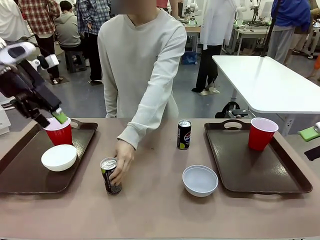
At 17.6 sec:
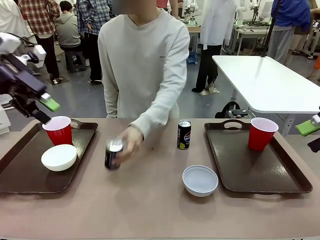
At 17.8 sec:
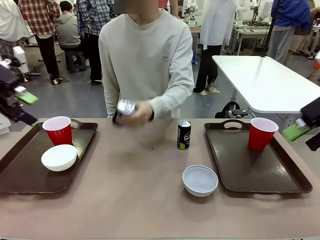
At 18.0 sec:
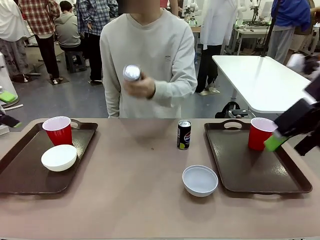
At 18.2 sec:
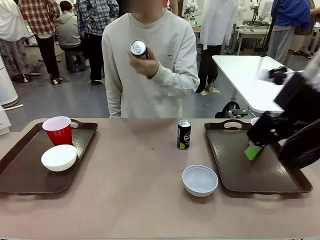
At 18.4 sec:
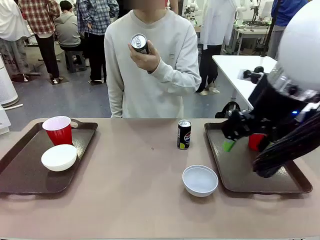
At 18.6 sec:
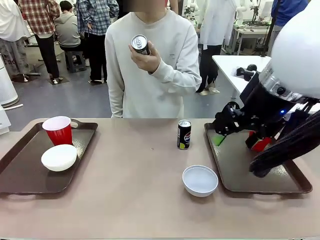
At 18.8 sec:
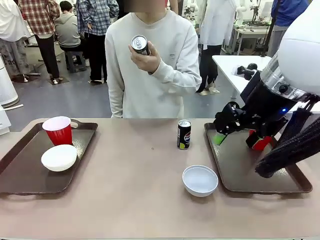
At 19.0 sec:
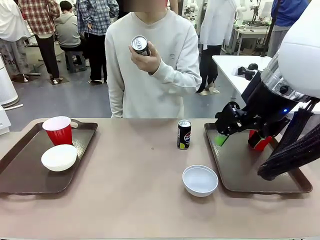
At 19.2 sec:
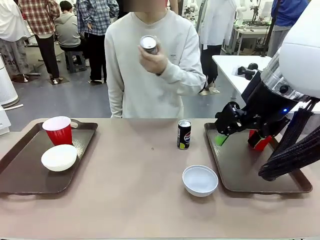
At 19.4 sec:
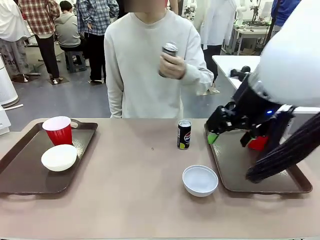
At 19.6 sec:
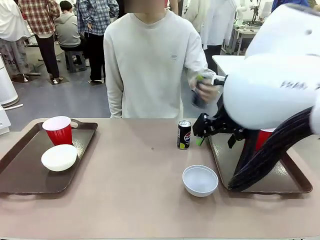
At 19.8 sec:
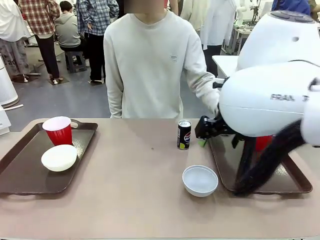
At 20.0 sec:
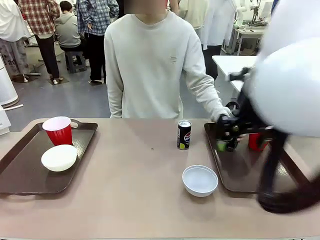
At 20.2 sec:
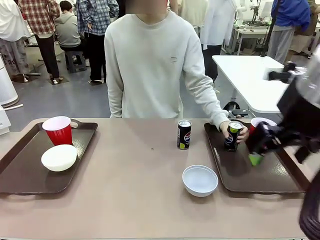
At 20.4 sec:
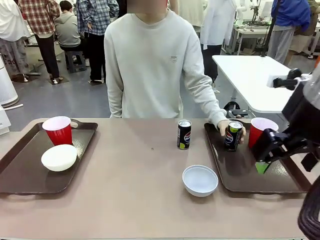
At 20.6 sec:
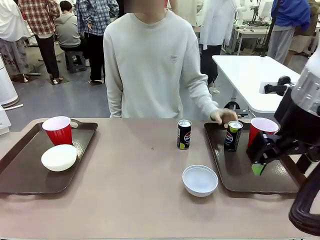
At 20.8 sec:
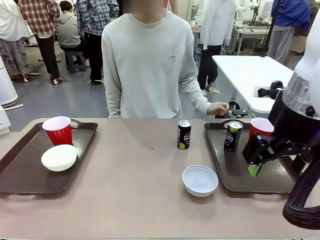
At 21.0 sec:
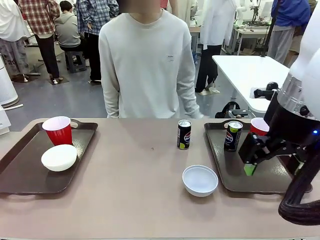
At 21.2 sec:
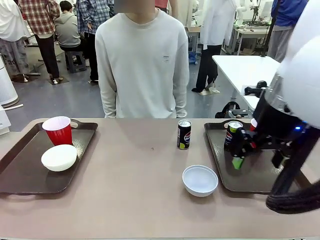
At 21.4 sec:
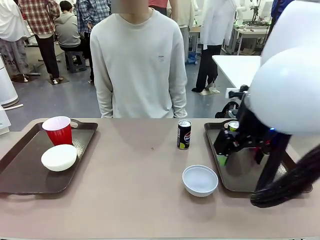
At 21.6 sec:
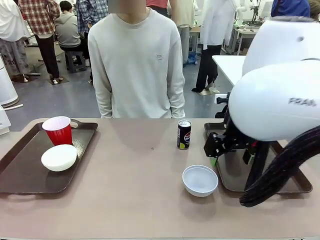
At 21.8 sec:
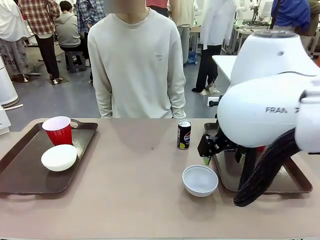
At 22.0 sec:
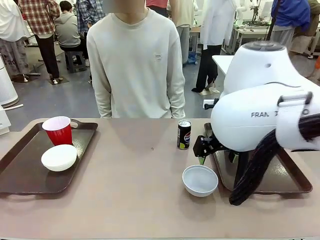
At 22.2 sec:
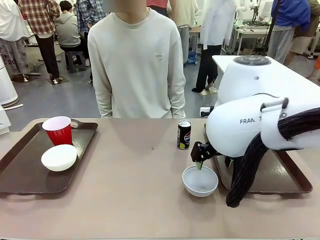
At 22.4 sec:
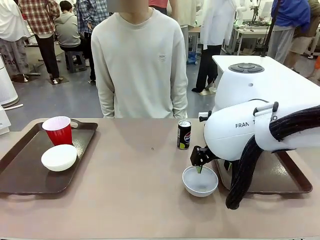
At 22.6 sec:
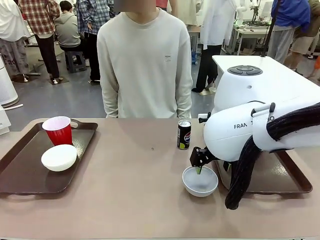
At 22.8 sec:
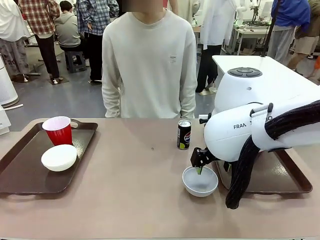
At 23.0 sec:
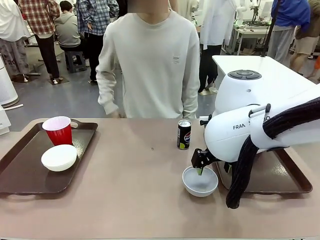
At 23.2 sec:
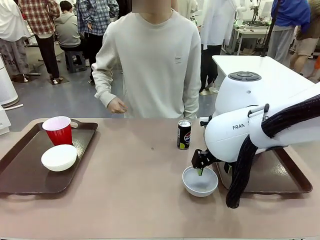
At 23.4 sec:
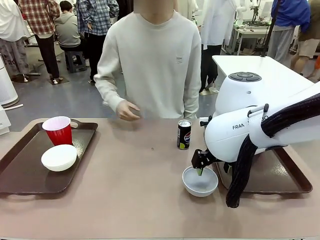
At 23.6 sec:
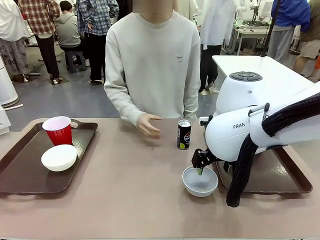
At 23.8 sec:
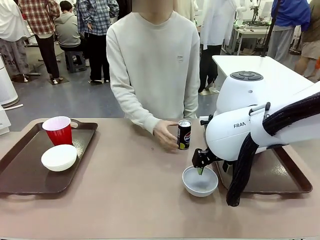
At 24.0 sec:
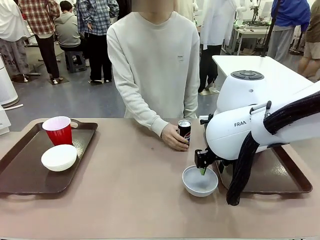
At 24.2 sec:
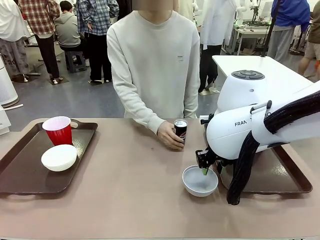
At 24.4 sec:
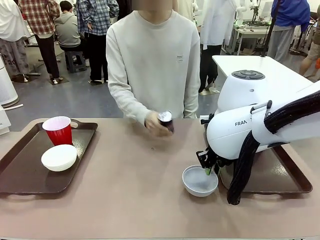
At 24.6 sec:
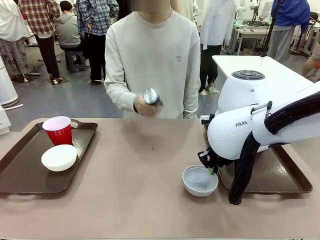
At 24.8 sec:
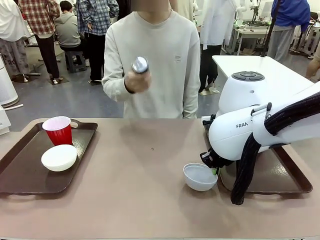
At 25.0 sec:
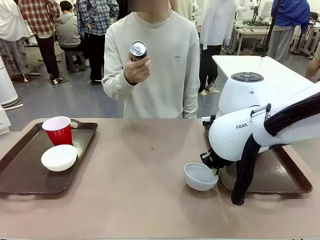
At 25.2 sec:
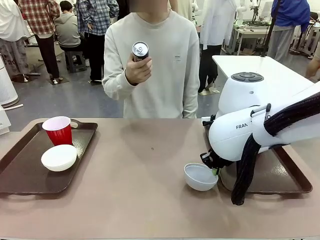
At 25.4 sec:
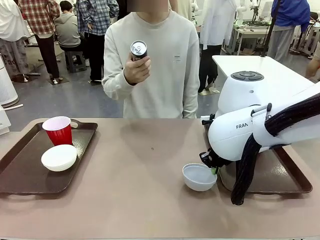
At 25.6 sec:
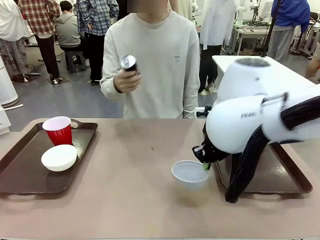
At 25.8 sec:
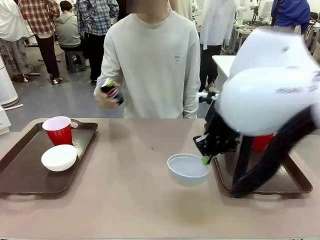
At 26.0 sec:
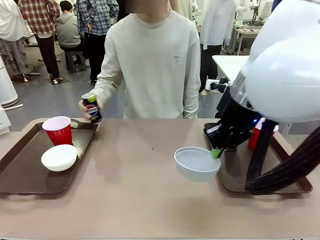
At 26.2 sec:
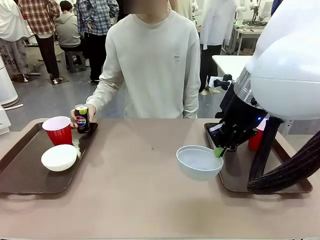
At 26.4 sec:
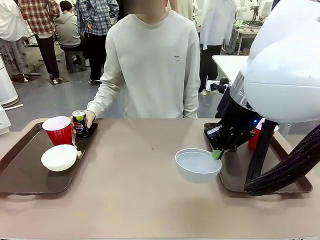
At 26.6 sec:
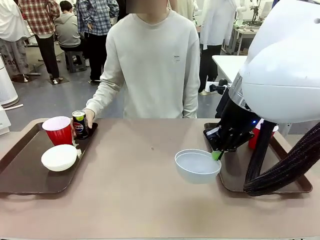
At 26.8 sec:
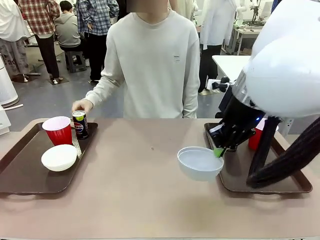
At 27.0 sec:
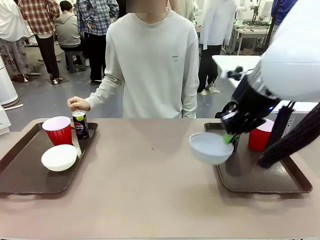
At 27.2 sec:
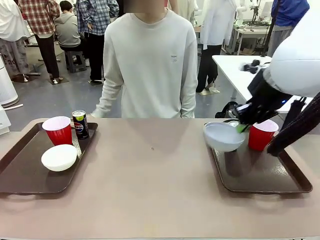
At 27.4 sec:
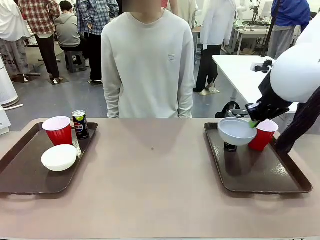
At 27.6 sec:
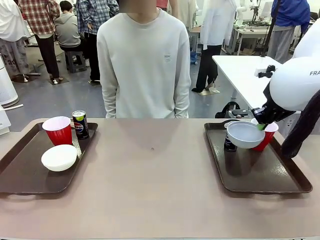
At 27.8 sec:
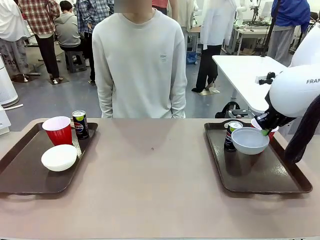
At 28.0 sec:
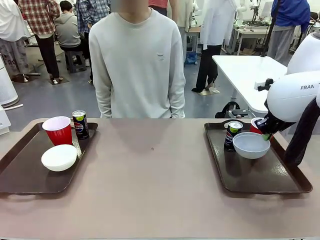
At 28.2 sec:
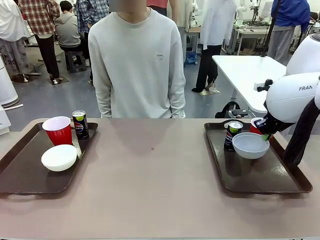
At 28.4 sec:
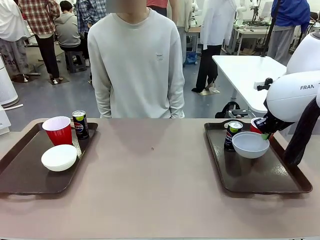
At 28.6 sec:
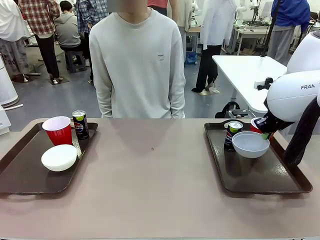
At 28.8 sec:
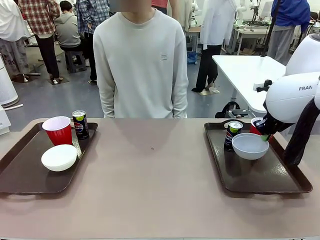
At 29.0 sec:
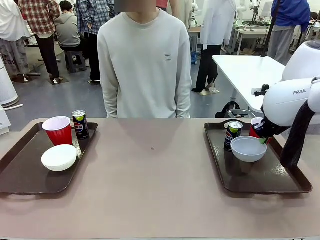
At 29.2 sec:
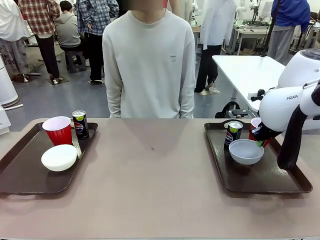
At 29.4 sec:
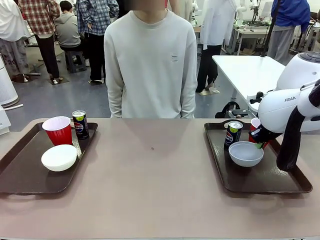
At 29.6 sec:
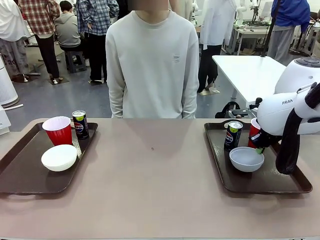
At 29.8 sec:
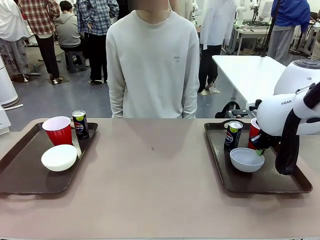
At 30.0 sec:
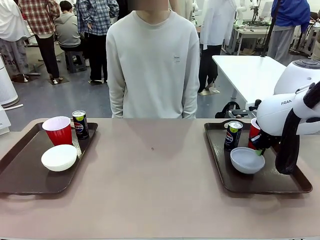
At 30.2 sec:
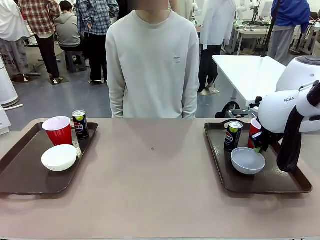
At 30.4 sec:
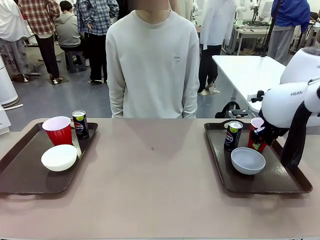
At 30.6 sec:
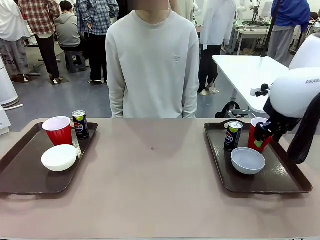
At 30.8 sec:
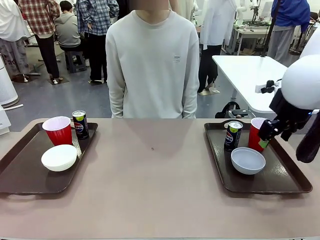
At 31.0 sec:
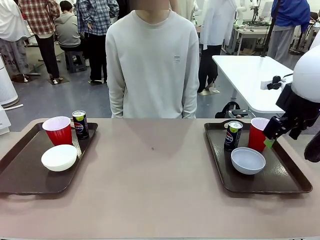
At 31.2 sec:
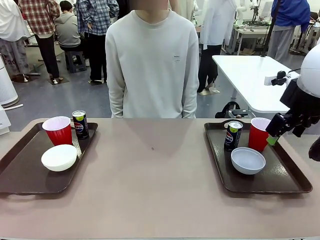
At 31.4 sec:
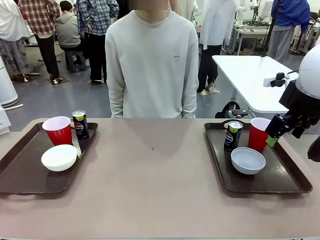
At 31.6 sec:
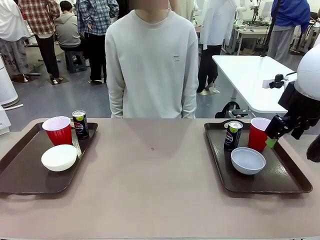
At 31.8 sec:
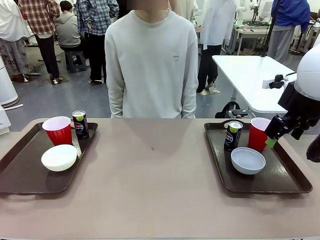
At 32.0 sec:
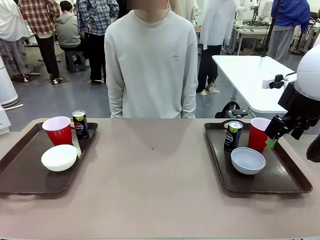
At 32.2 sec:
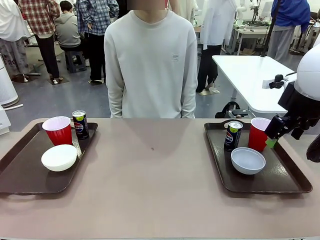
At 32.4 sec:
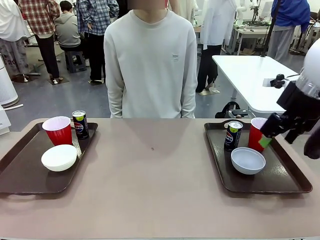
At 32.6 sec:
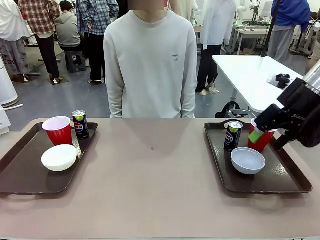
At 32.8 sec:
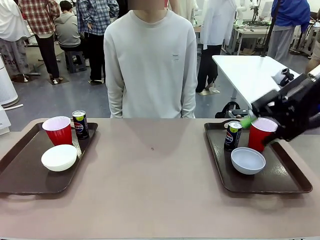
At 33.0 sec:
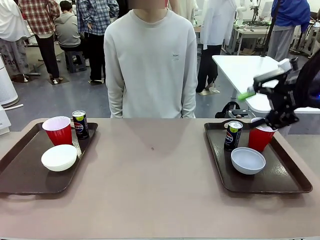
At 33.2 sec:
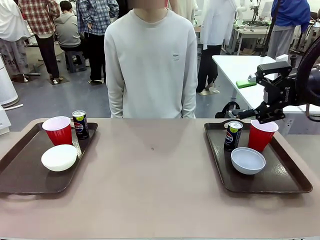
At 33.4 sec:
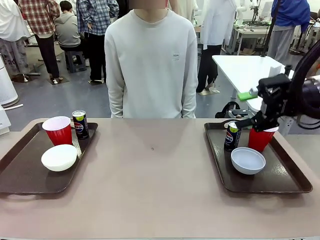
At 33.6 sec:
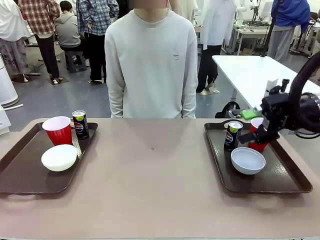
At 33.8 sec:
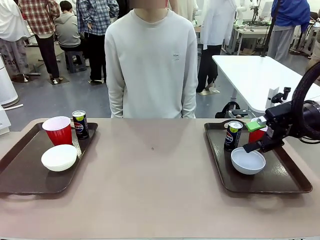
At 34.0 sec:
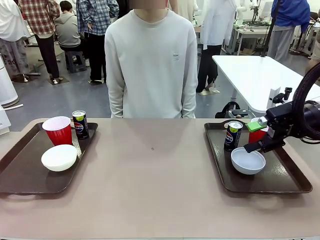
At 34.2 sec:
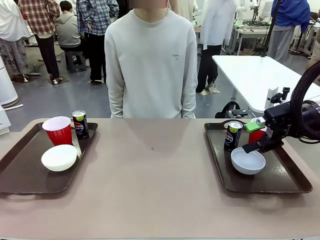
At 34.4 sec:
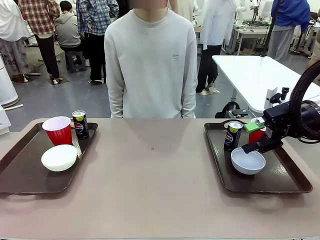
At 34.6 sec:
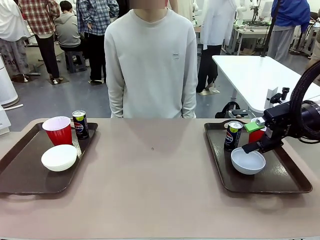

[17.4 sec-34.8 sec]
Task: Prepare tableware on both trays.
Robot: Pick up a Picnic Bowl from the table and place it on a Handle tray.
Person: Pick up a can or cup and place it on the tray without a can or cup.

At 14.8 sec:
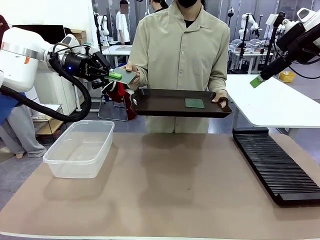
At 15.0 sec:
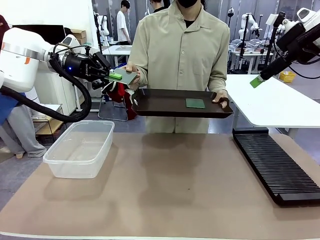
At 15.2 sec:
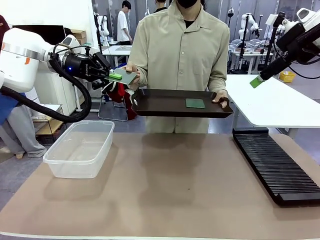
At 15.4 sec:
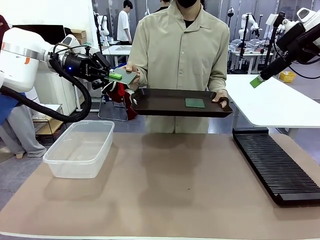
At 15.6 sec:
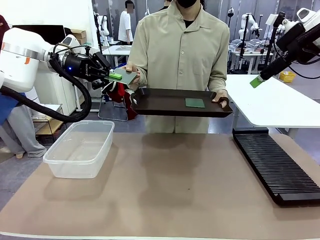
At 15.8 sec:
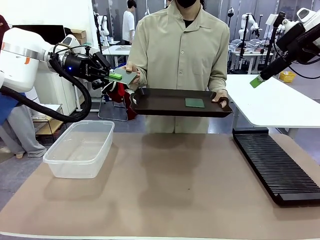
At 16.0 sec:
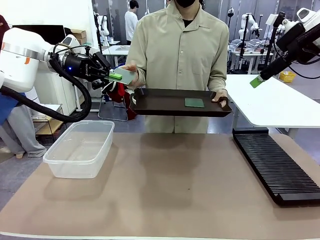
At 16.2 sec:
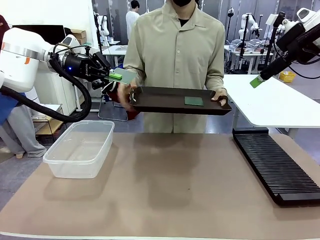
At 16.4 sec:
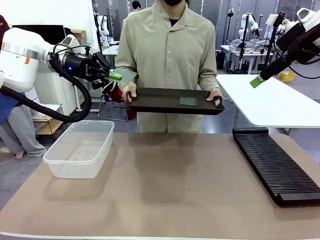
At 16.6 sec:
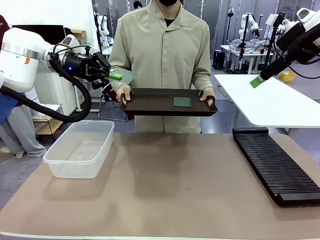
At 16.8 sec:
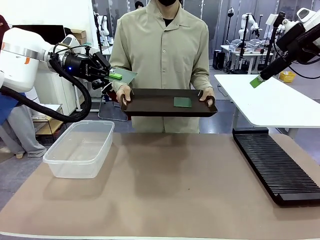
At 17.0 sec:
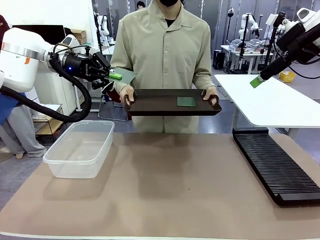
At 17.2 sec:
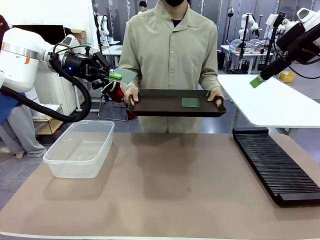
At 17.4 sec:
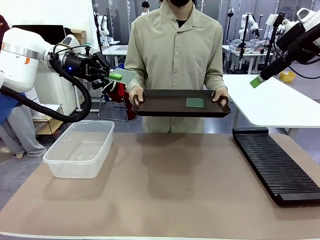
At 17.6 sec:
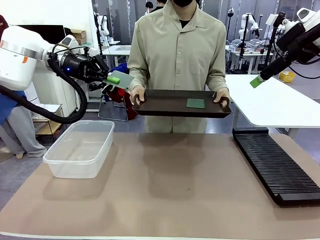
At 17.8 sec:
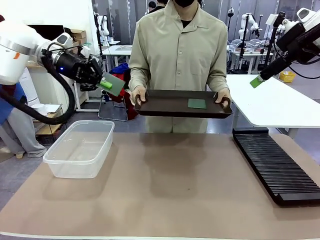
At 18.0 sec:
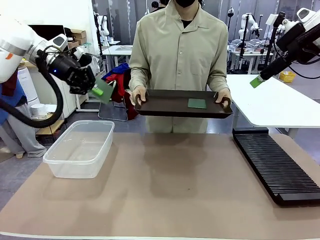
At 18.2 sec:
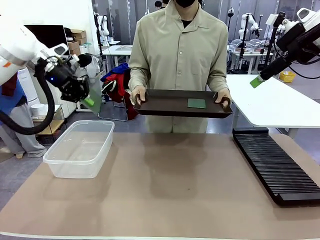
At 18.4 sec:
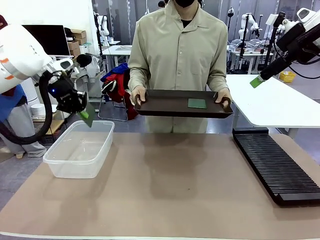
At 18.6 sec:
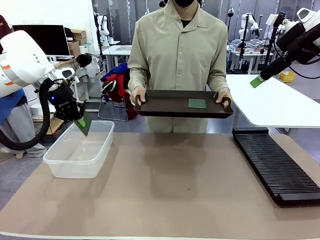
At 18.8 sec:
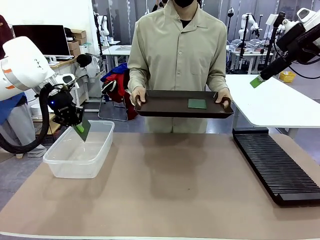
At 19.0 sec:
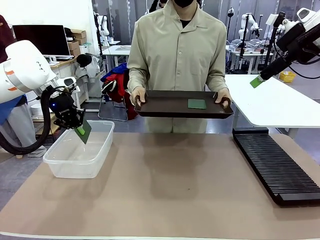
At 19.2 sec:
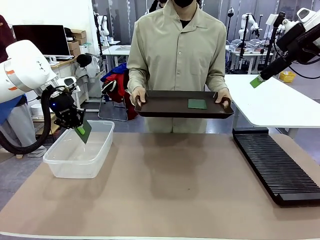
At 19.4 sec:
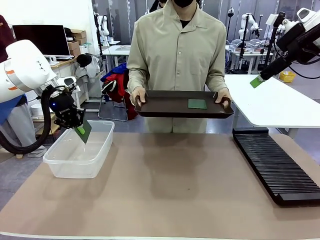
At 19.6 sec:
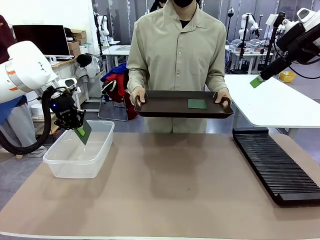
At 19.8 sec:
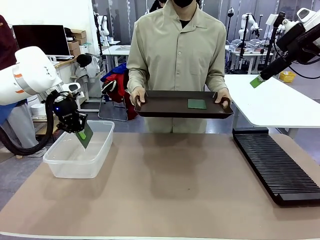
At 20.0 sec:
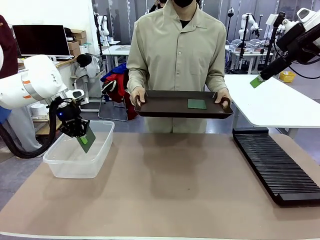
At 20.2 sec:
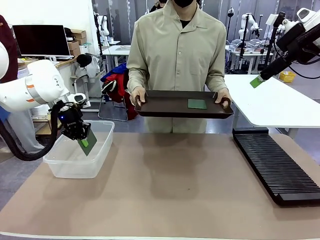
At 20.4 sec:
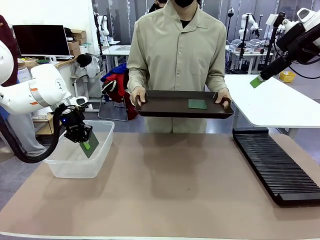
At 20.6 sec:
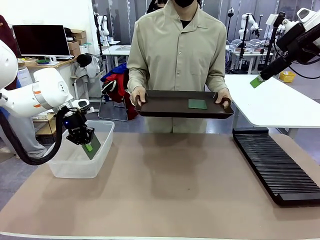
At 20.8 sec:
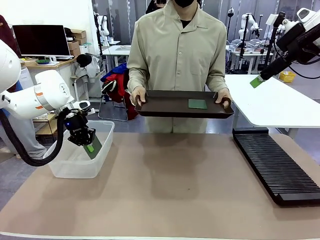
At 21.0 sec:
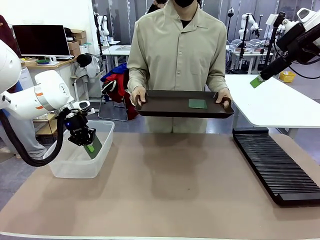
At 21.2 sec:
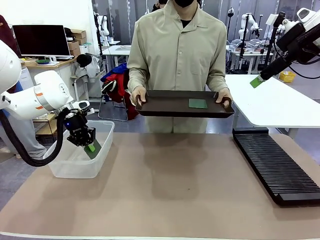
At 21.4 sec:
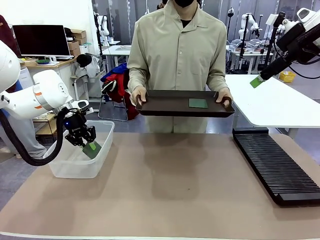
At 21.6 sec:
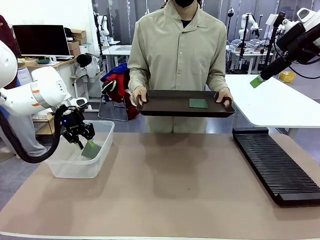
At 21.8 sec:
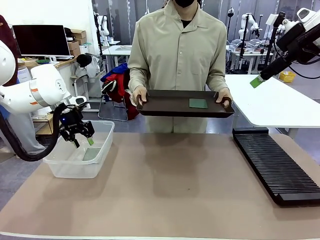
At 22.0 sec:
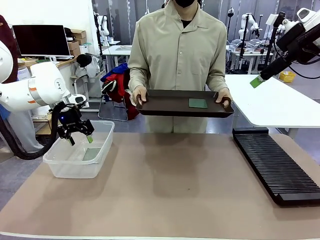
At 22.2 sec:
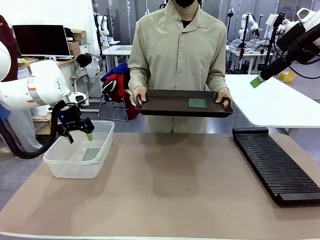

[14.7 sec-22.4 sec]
Task: Sort PCBs into racks and boxes based on the side picked up.
Robot: If the short side of the Blank PCB is picked up, insert it into the PCB Rack ; if the long side is picked up, place it in the Organizing box.
Person: Pick one PCB from the tray and present it to the robot.
